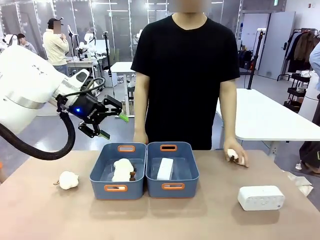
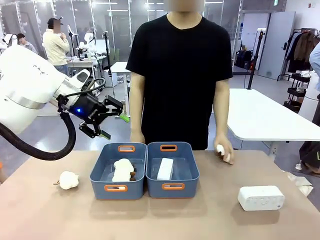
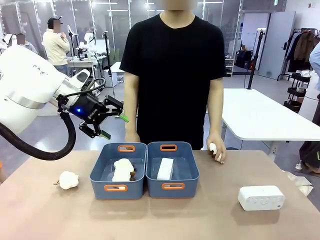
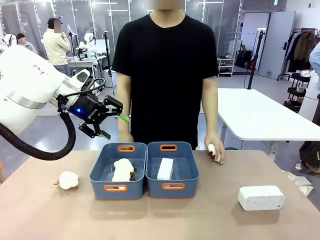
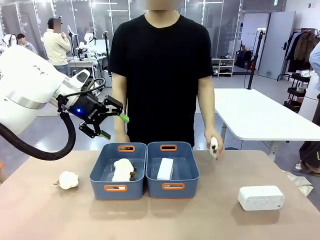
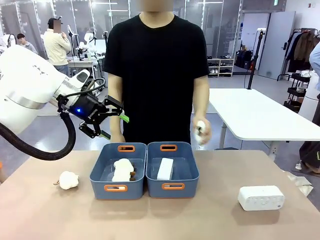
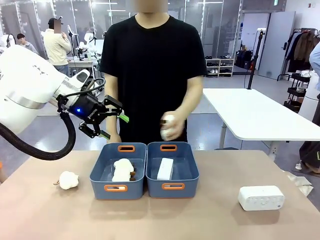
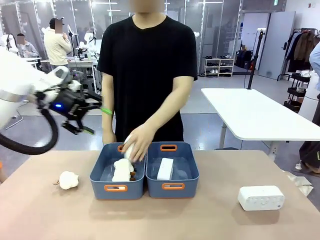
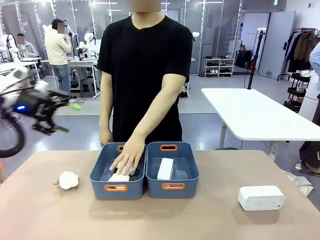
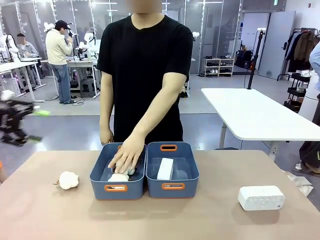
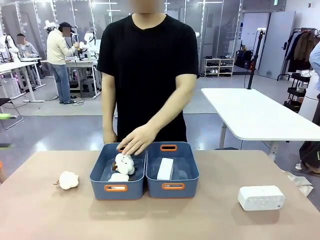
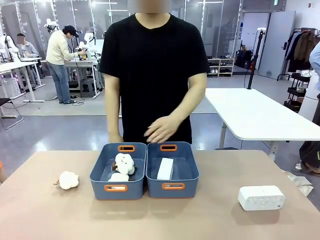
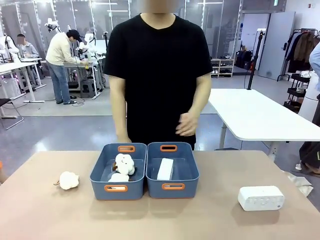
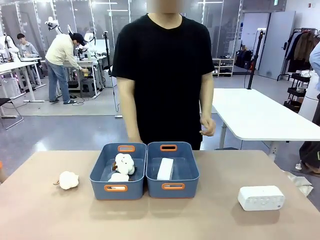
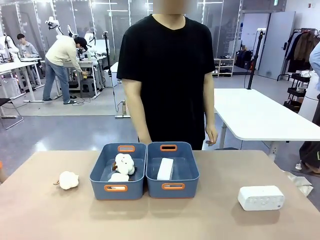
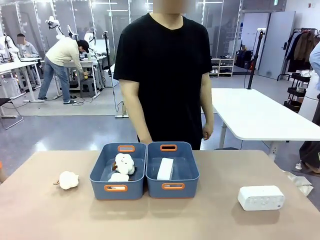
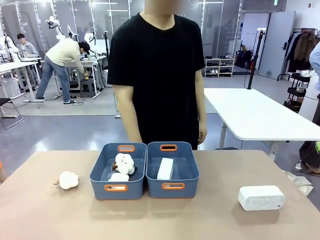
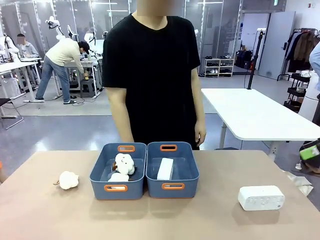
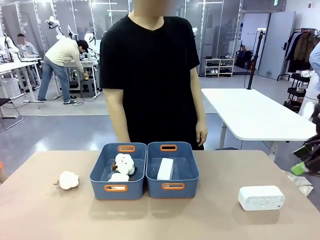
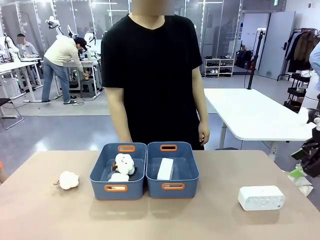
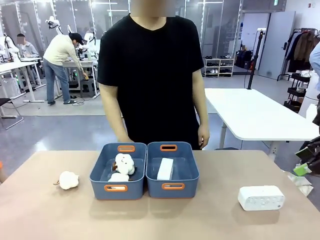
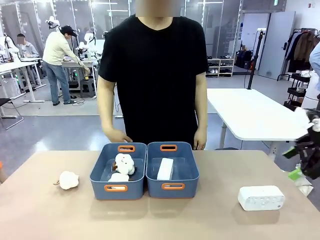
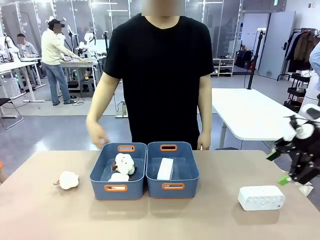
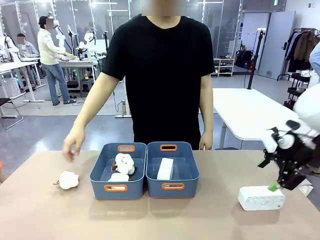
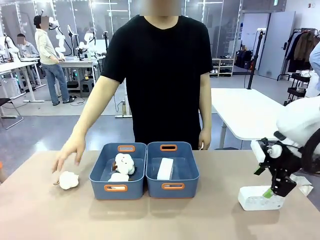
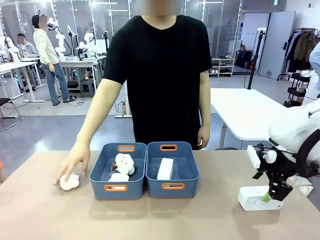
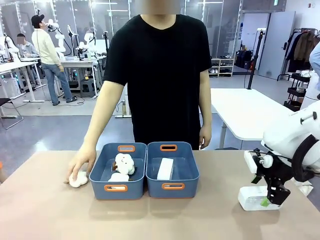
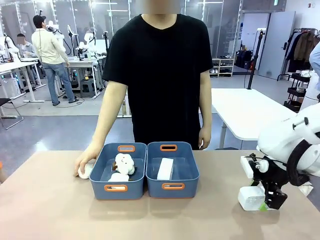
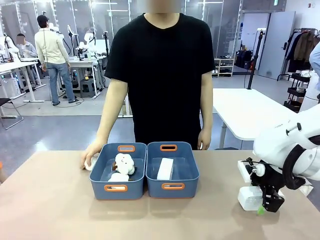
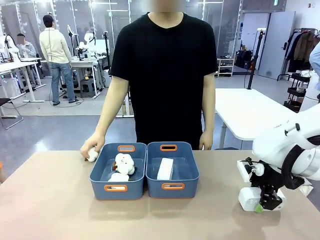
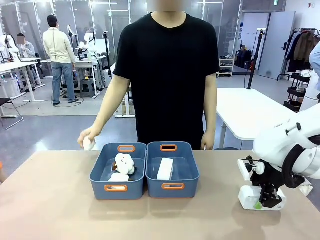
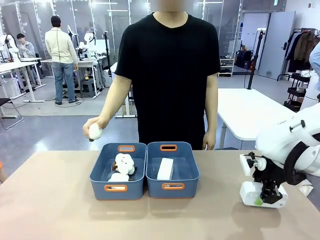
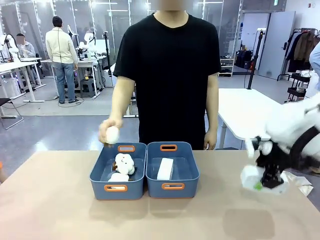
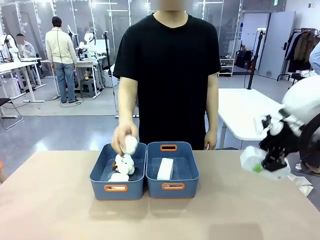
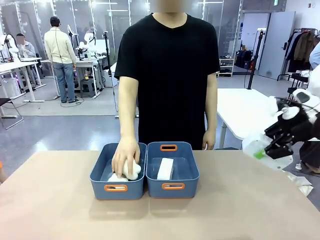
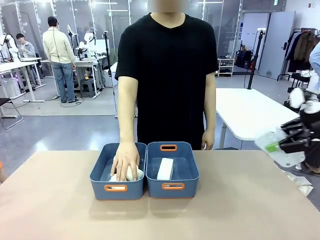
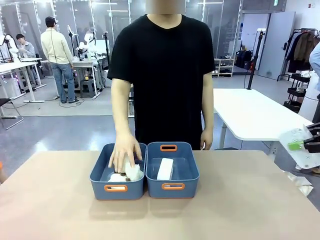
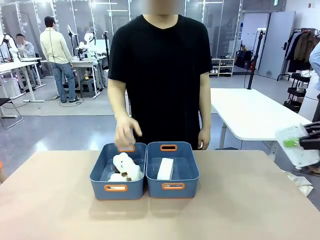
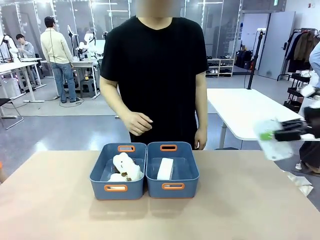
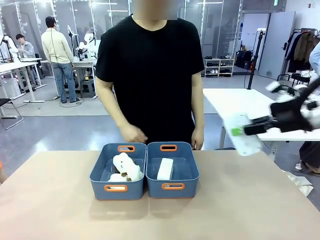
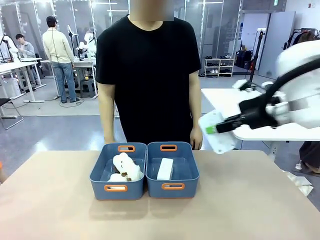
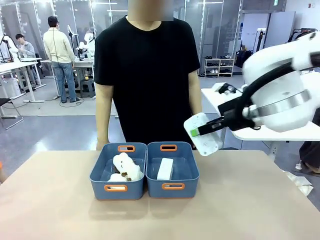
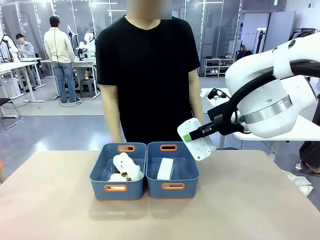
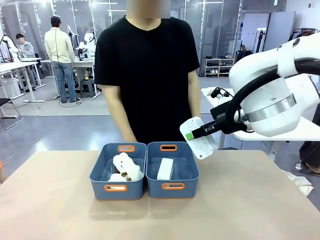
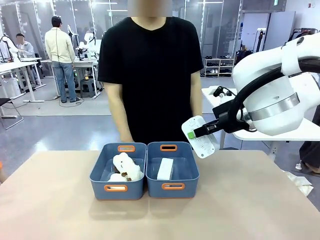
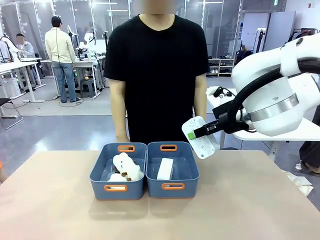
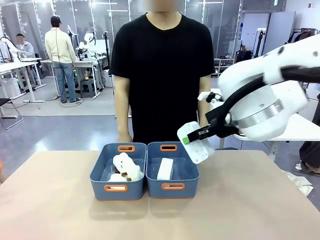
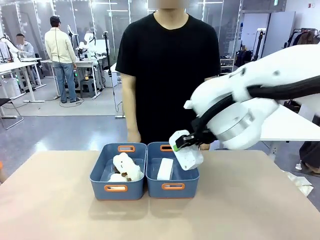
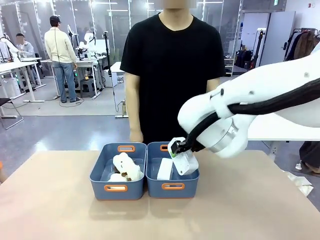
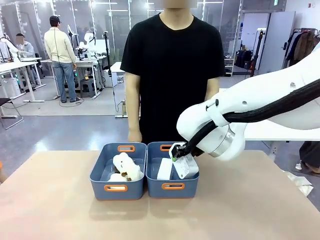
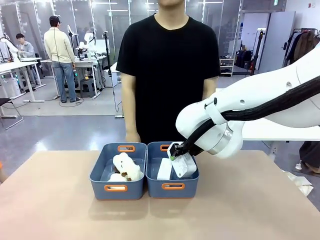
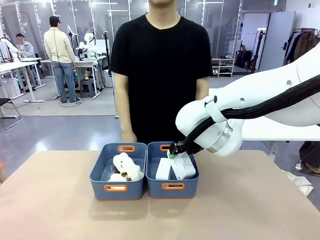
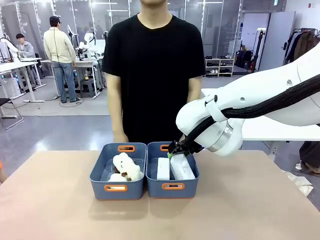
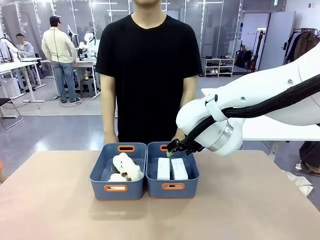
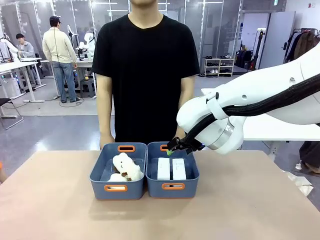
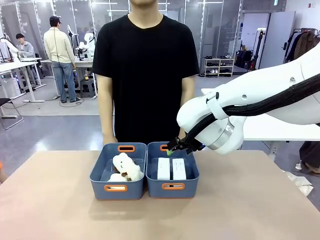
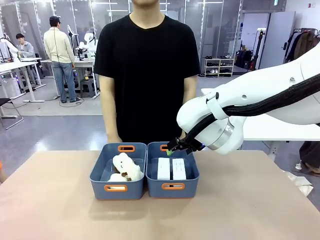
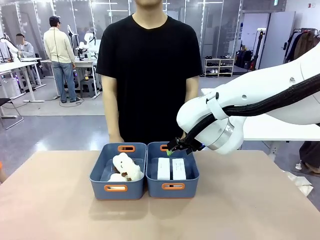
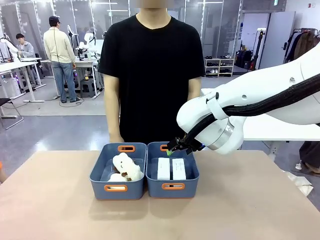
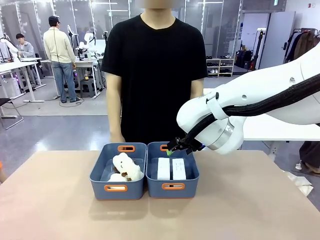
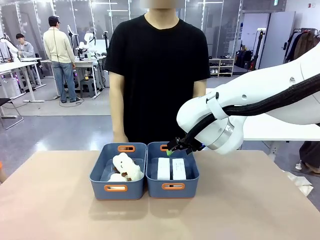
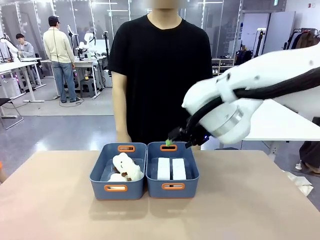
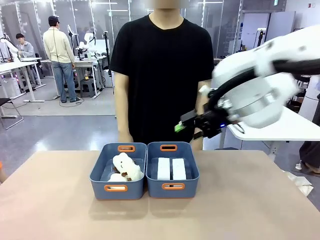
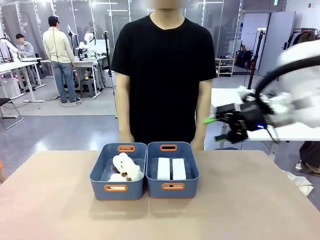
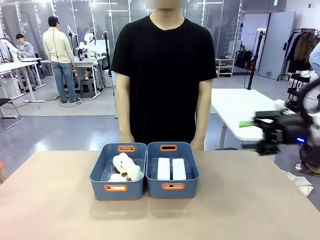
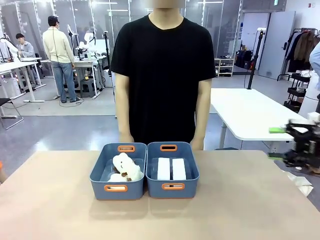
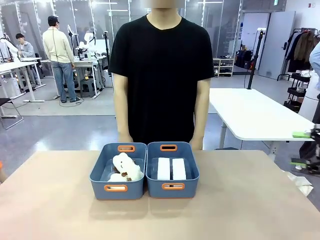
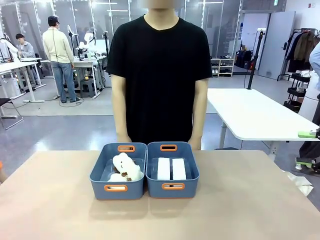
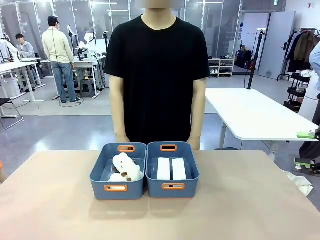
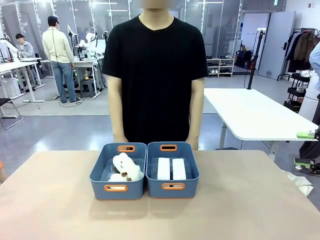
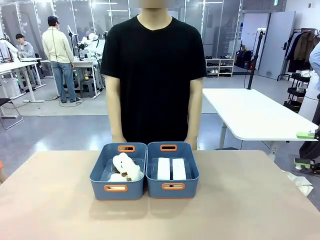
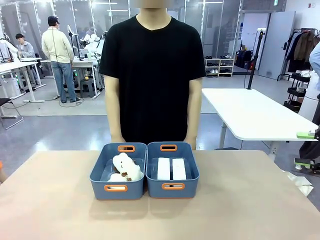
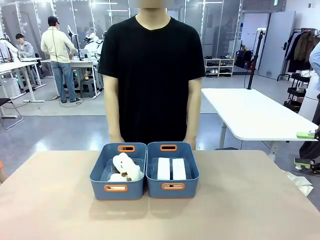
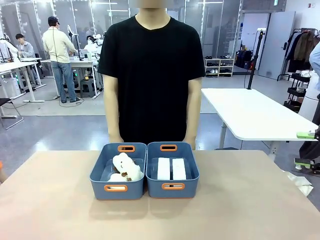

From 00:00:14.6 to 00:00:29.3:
Task: Sort the digital clocks into the basket.
Robot: Pick up the Digital clock from the table and place it into the empty Plastic storage basket.
Person: Pick up a plush toy from the table and place it in the plastic storage basket containing the plush toy.
